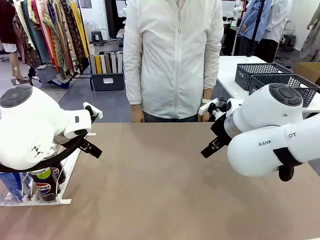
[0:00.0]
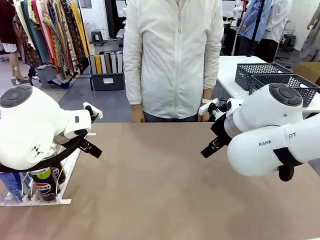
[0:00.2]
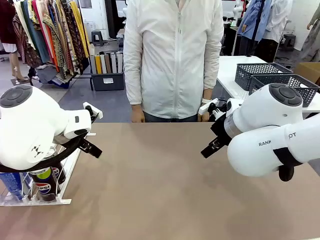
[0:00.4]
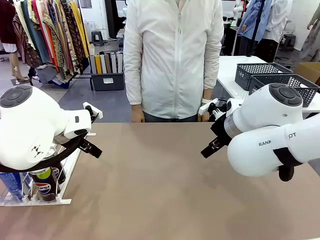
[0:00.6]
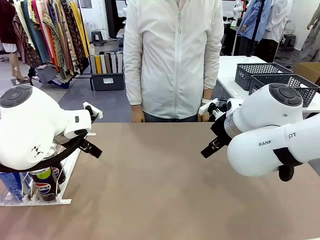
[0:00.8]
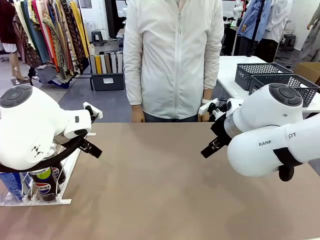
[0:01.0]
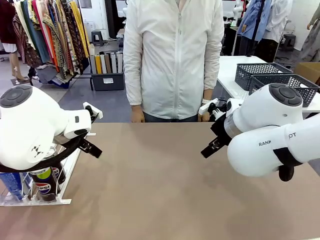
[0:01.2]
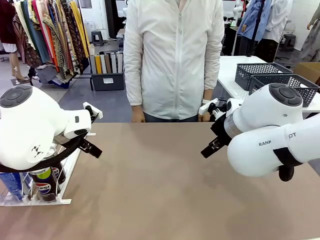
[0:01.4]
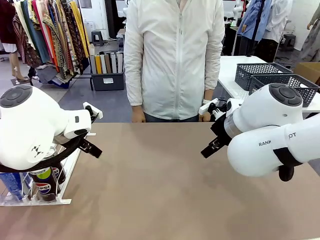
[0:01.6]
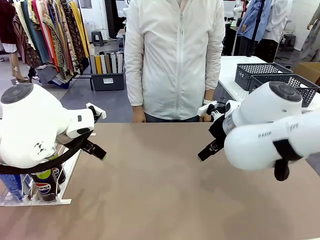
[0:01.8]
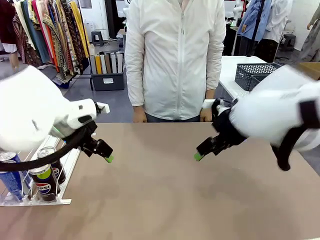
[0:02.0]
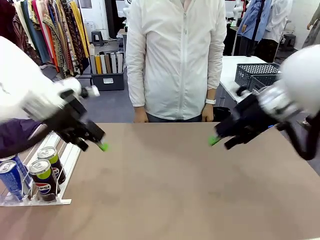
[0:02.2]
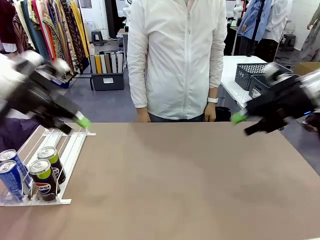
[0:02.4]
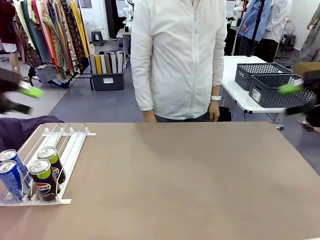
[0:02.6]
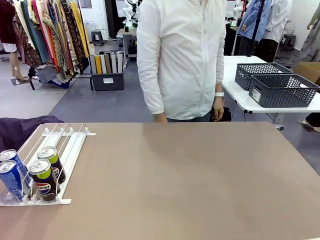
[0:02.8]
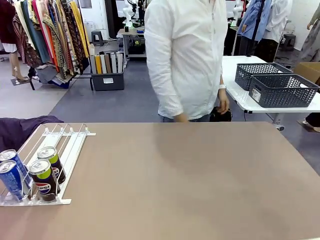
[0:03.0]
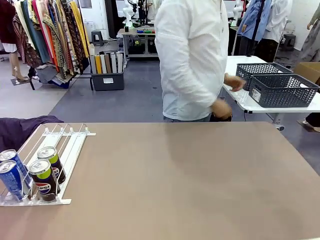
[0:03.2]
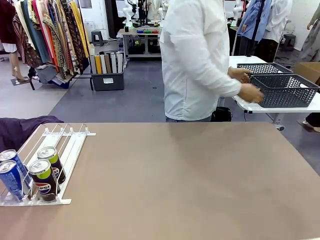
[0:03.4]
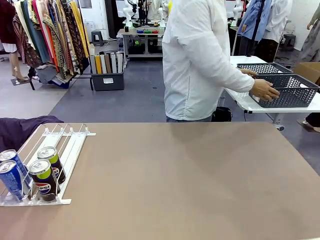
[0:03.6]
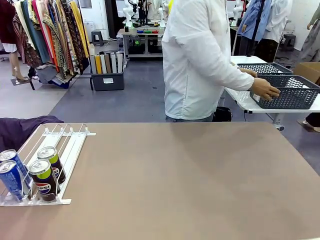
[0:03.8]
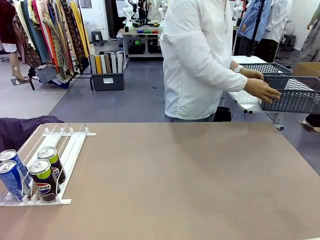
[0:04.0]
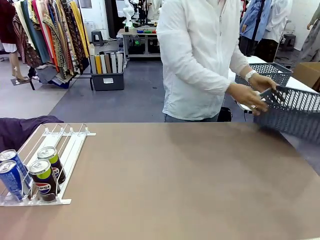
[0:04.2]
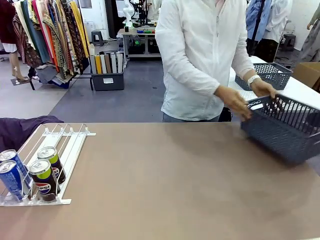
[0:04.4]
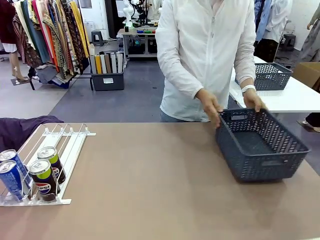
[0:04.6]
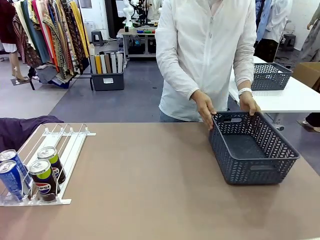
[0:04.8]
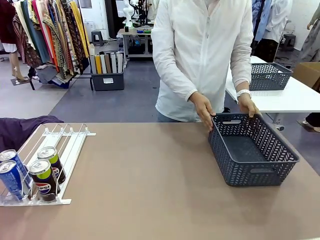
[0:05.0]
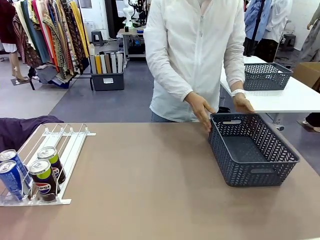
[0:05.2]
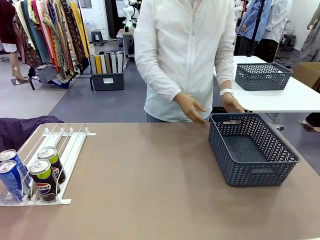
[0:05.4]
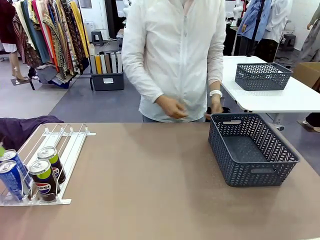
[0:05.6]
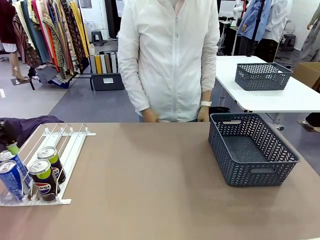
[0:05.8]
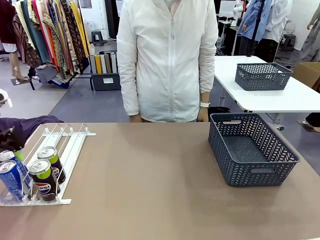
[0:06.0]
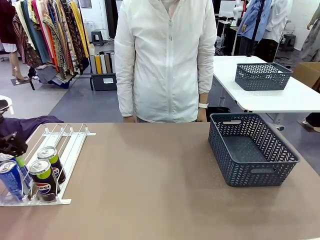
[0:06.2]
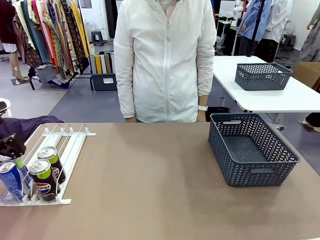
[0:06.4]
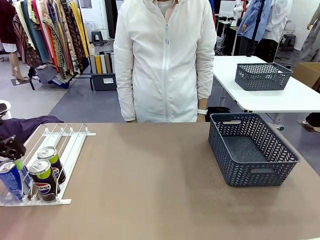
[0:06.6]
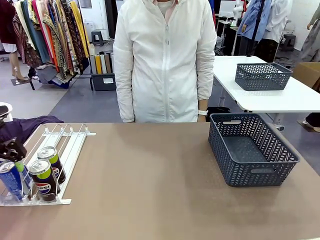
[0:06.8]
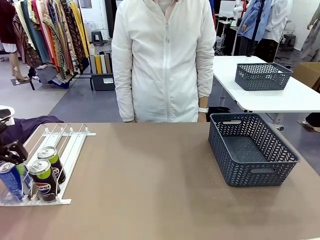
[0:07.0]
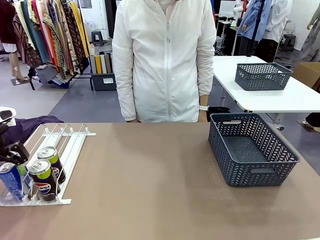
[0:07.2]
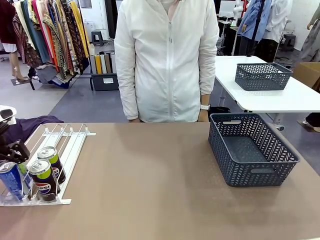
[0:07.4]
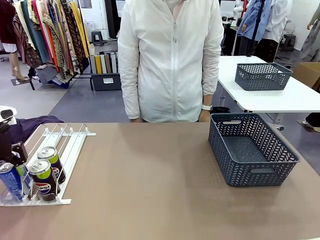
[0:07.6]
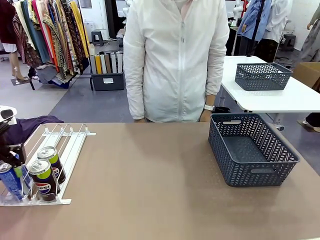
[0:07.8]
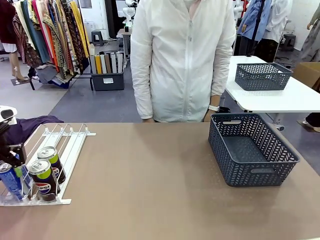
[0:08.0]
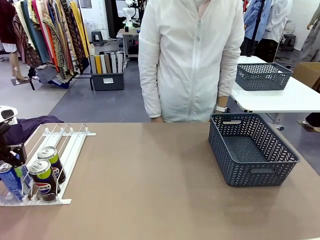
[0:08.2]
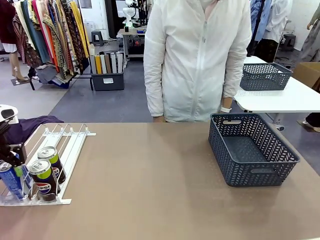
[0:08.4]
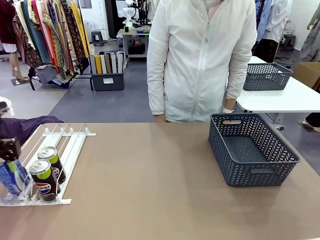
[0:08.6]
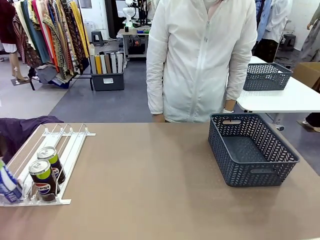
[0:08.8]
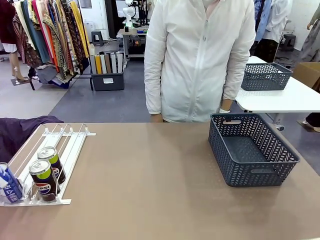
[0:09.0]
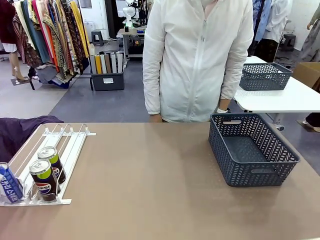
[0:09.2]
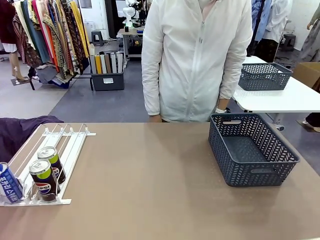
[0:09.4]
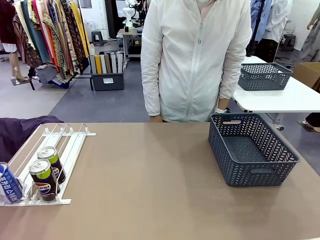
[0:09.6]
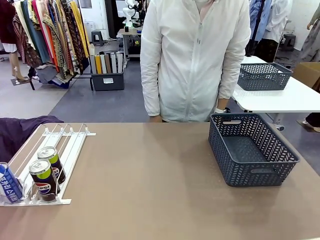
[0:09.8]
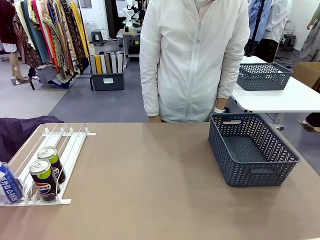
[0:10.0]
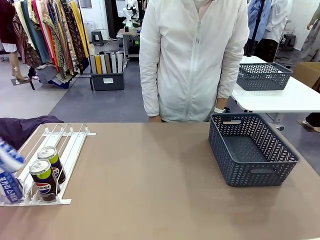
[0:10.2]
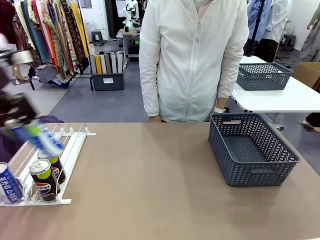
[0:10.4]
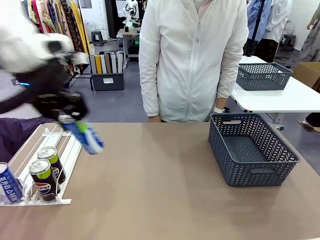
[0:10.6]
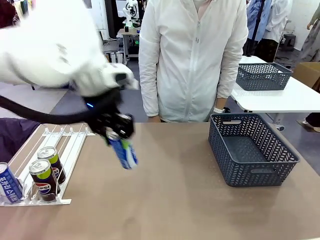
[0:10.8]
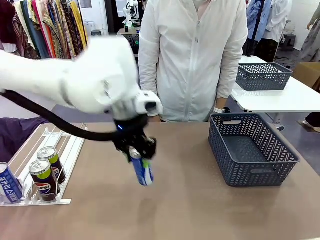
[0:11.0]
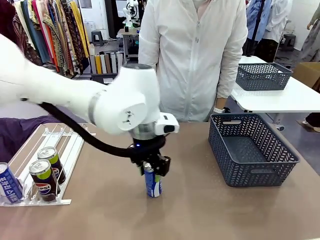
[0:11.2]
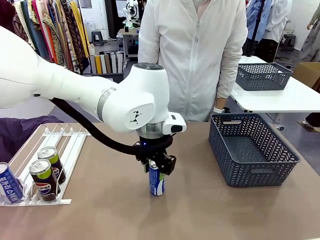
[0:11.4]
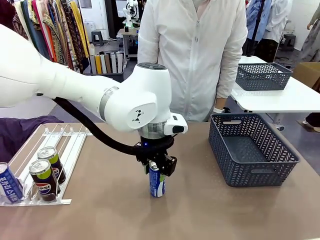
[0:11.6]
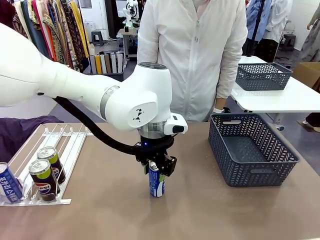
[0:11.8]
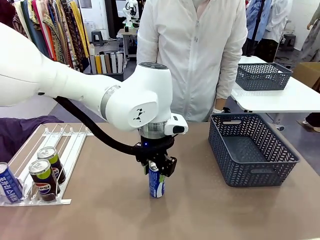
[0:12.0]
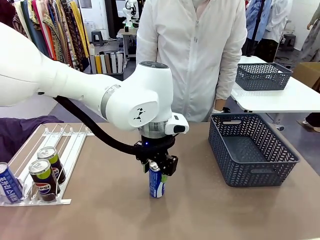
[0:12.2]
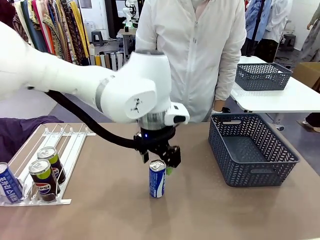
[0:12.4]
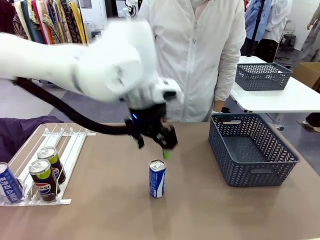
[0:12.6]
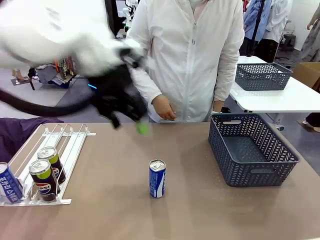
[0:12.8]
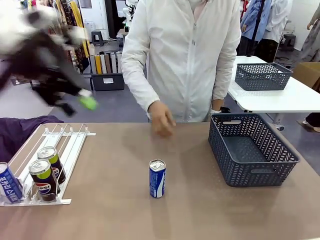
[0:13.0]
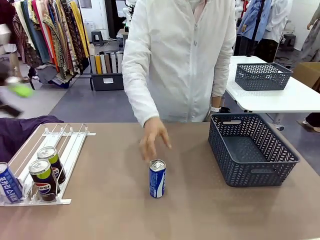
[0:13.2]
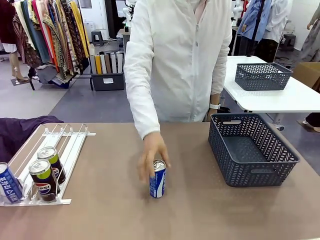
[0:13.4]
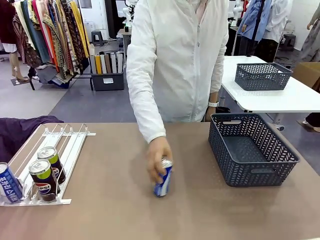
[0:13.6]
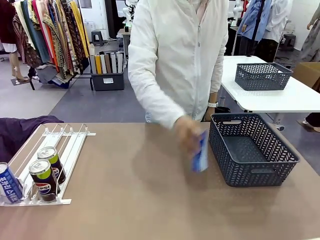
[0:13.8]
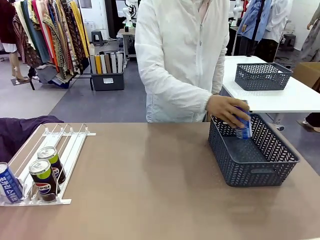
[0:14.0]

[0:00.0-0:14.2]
Task: Retrieve and store the cans from the dispenser.
Robot: Pick up one can from the Automatic Can Dispenser and place it in the middle of the table.
Person: Pick up the basket and place it on the left side of the robot table.
